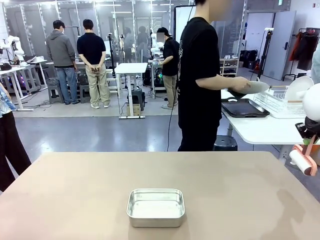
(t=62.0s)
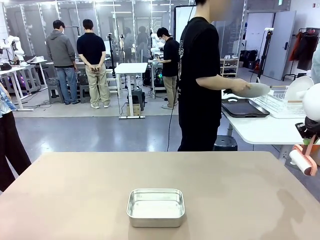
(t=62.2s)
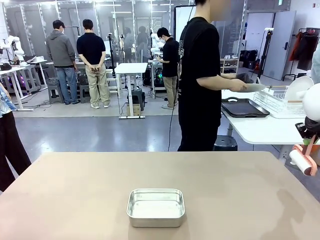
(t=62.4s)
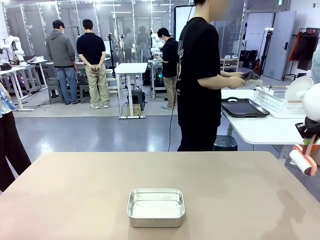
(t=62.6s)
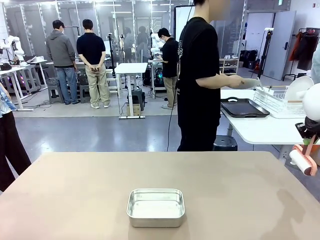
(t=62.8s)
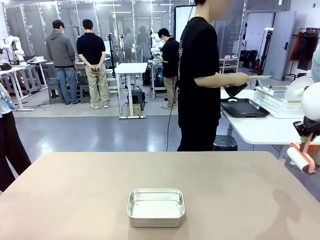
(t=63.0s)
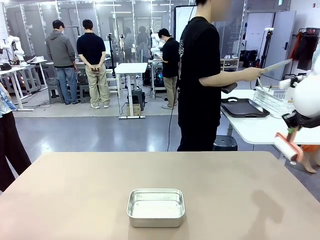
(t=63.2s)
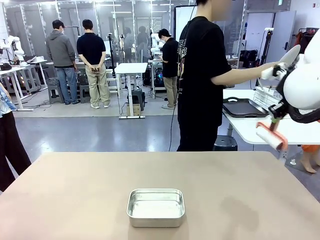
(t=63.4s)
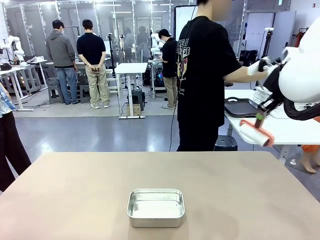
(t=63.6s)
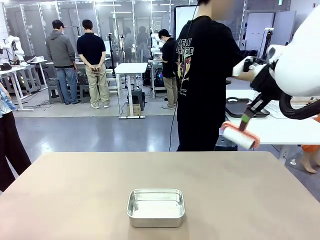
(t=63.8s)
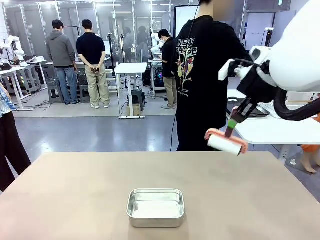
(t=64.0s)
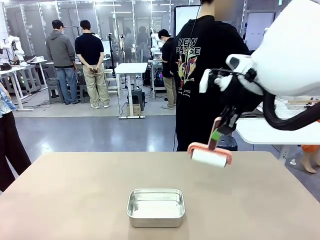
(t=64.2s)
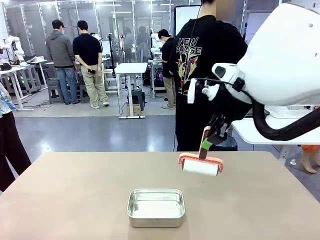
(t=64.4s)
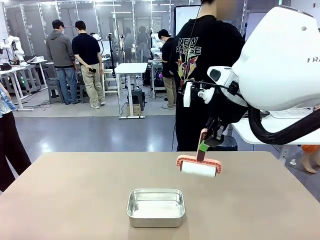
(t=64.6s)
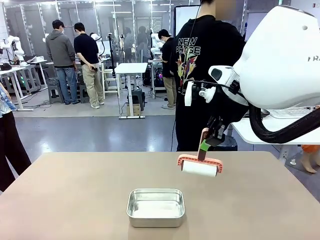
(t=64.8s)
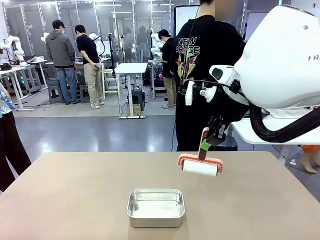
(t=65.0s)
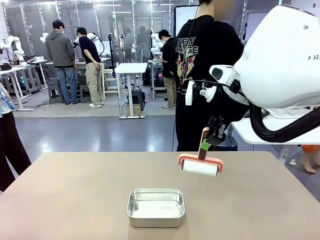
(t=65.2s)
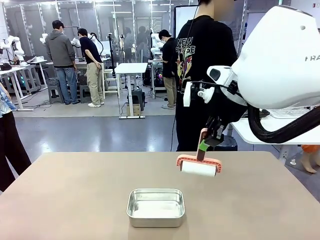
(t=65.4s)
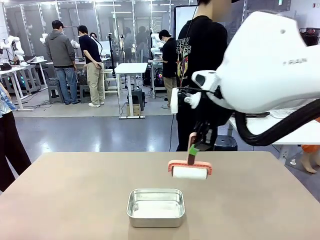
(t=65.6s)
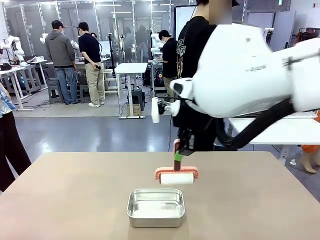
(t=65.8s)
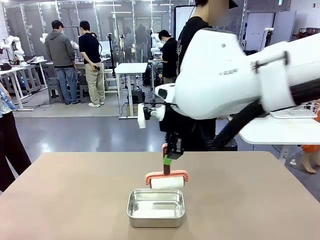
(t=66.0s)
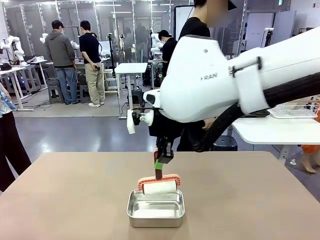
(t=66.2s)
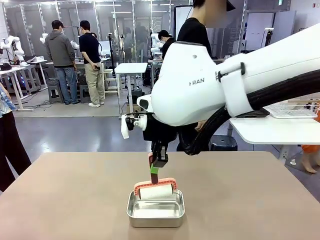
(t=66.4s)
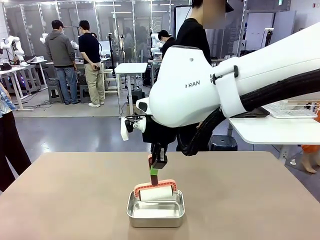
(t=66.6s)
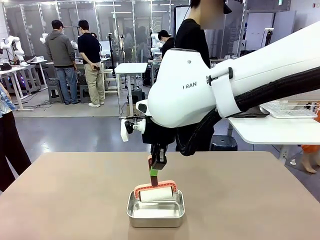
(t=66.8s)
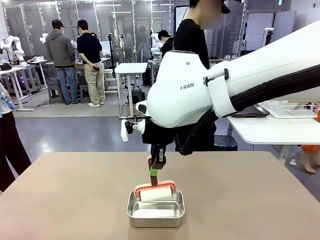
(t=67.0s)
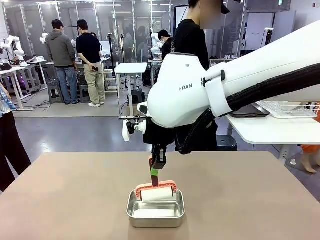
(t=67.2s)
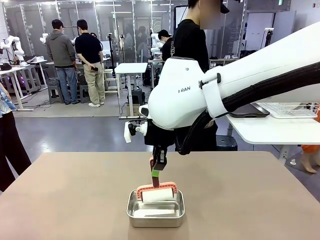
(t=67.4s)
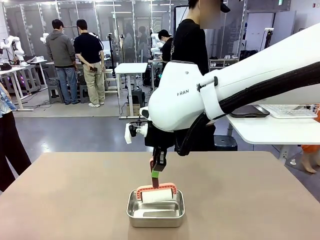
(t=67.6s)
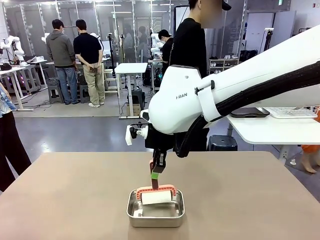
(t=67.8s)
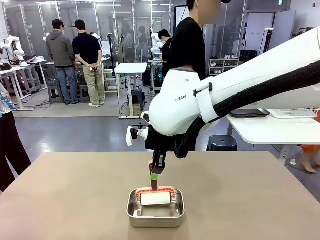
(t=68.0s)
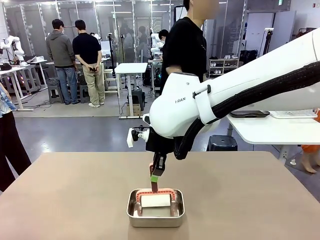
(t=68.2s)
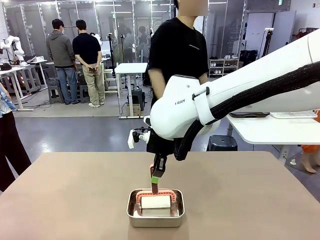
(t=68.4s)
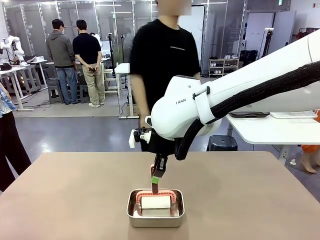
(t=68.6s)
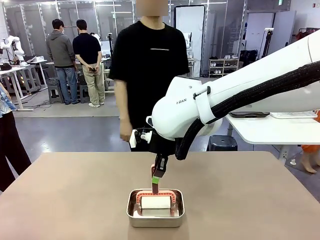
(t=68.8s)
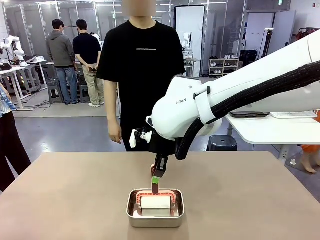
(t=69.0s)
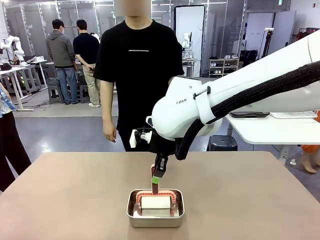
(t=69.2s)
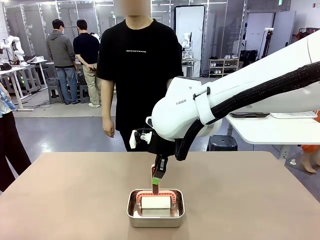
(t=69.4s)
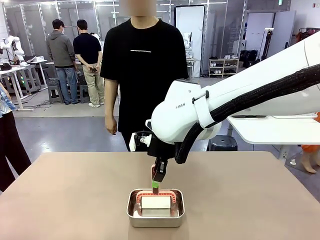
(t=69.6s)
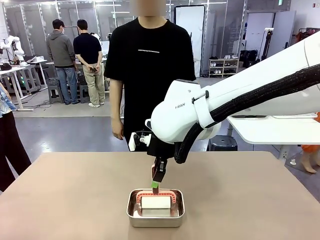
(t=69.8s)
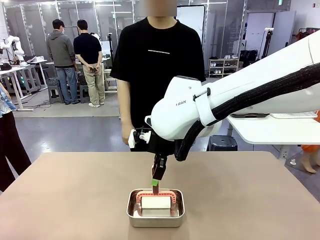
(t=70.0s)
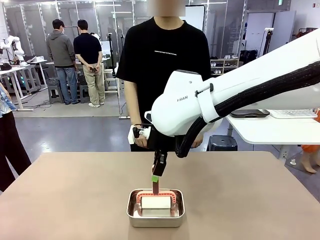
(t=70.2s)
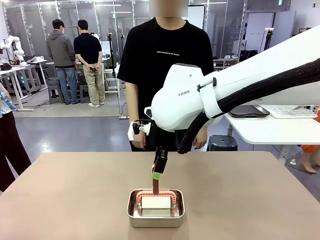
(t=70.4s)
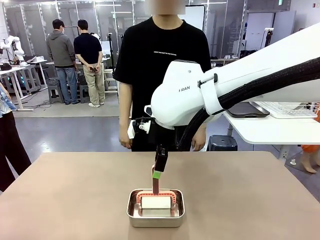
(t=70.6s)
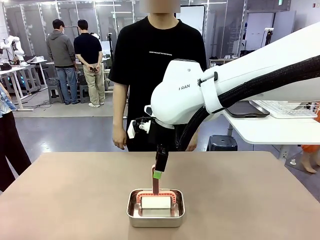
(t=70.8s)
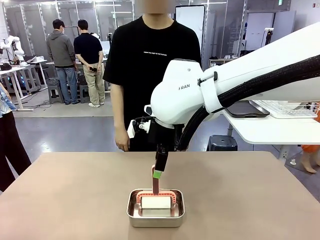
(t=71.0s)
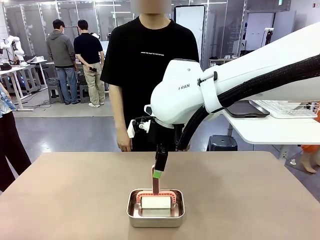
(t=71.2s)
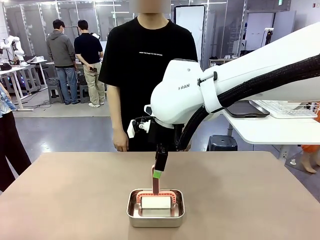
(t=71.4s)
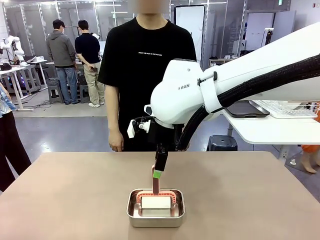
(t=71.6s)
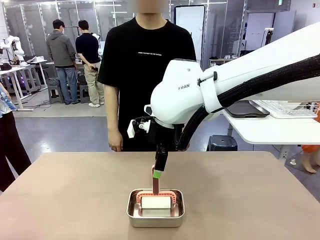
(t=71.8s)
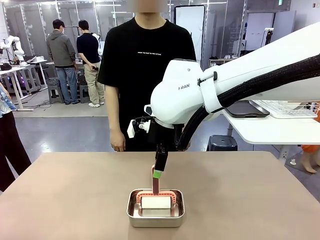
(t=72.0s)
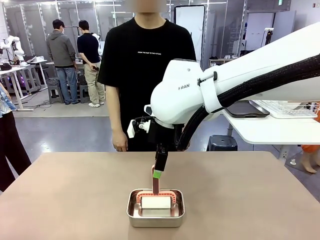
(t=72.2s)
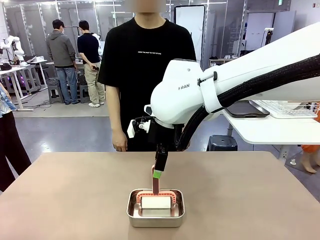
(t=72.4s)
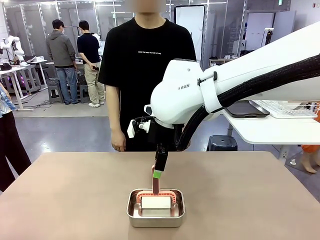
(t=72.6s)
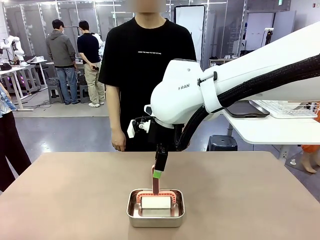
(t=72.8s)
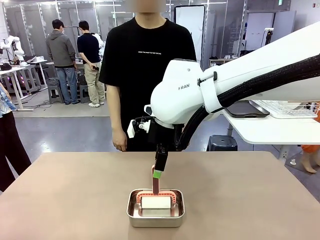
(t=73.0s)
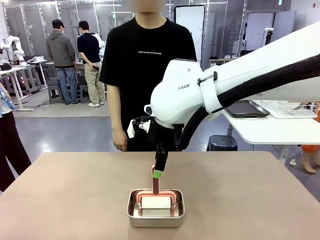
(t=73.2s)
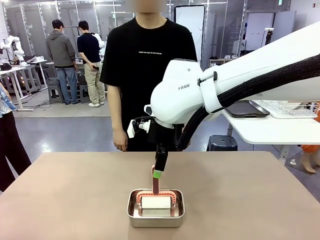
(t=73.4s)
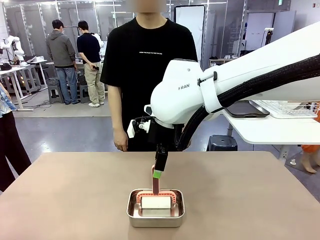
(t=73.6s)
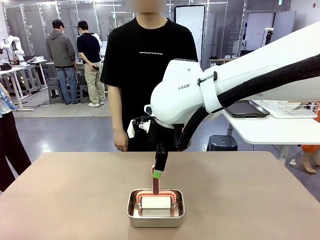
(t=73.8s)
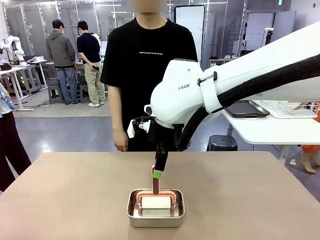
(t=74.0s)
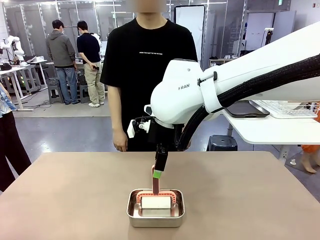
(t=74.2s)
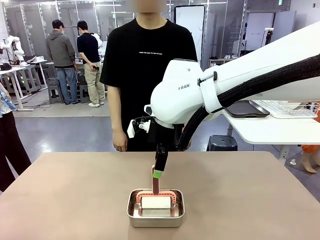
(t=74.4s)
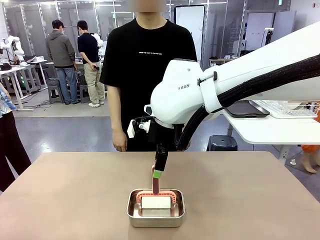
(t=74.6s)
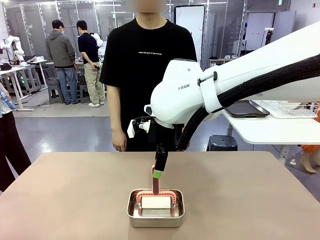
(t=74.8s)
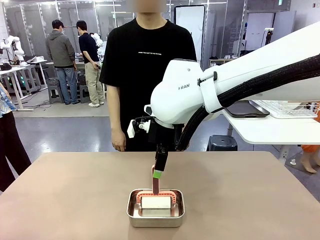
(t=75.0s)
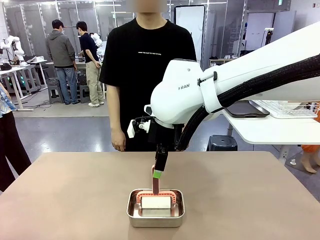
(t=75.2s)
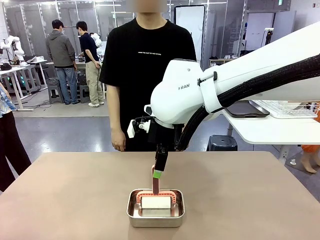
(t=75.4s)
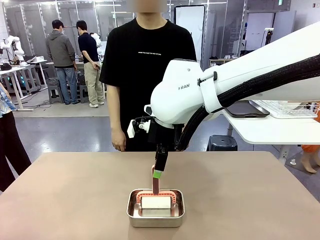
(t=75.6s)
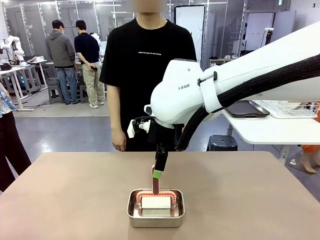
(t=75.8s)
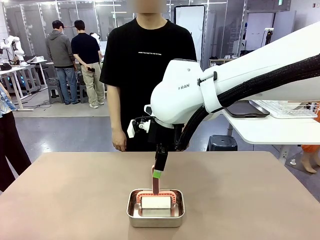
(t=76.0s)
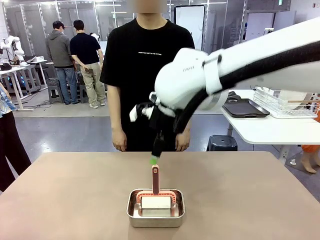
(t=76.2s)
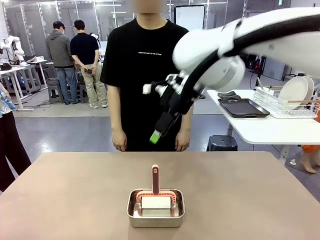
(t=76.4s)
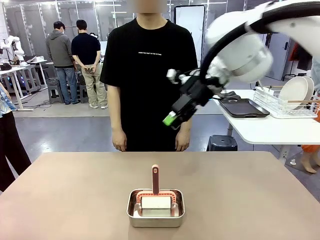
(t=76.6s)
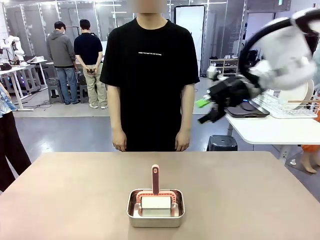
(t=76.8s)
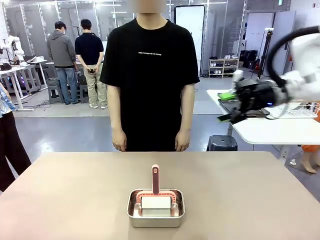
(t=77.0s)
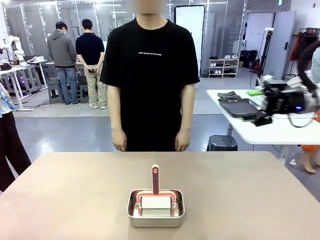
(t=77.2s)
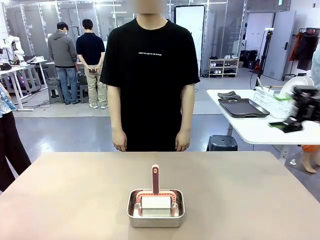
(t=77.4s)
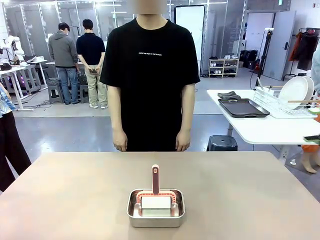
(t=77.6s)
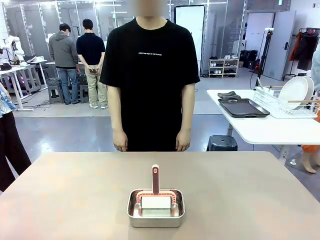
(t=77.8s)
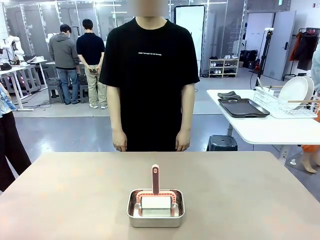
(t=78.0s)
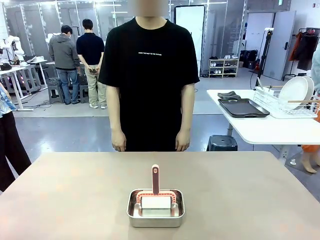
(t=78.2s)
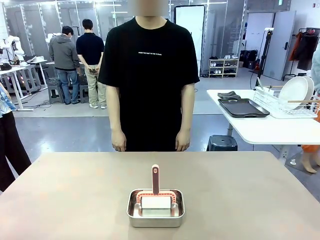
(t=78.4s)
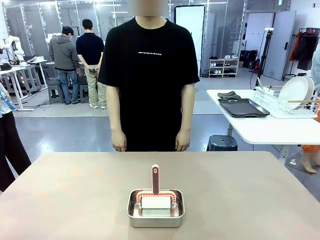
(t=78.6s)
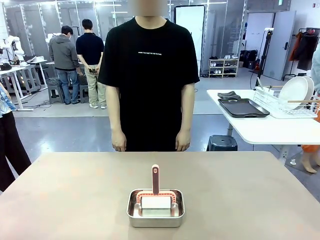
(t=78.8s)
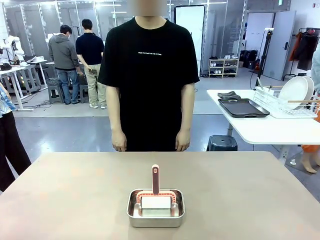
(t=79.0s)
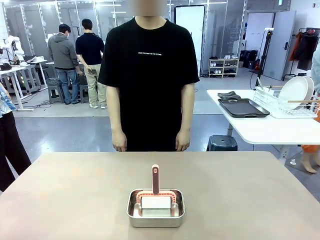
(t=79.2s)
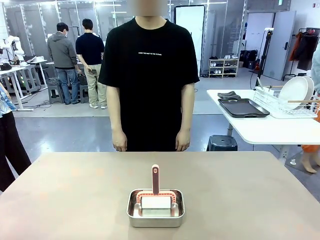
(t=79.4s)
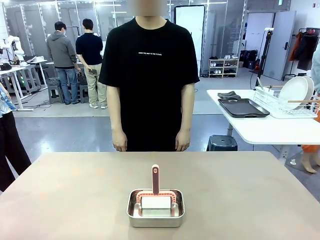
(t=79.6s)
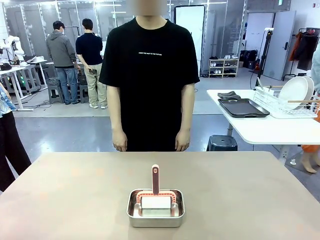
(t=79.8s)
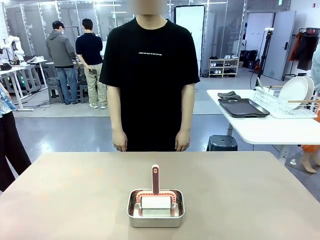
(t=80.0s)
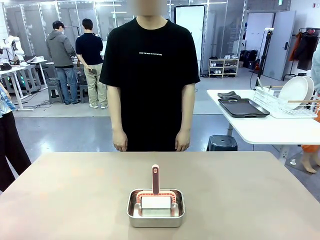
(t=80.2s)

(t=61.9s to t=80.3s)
Robot: Place the Lint Roller back on top of the Airtight Container.
Person: Use the Towel with hook to wipe the Plastic Matte Plate , Fork , and Knife and place into the Dish drying rack.
